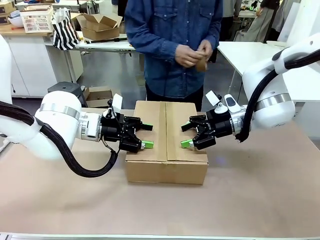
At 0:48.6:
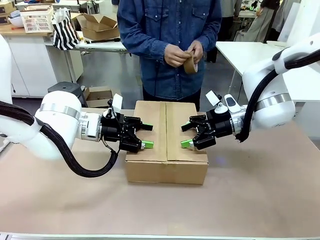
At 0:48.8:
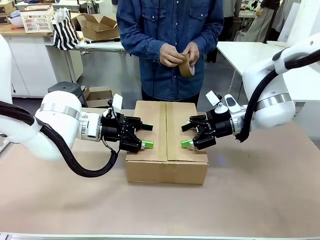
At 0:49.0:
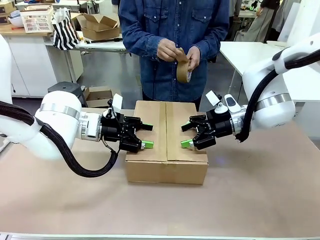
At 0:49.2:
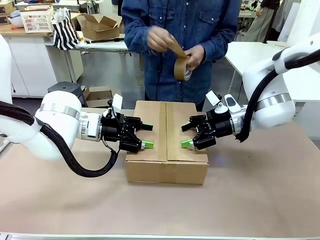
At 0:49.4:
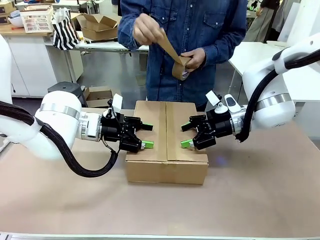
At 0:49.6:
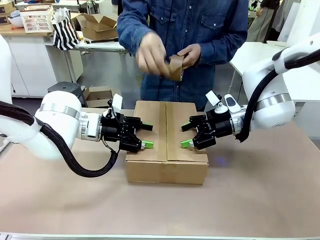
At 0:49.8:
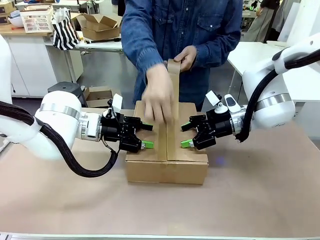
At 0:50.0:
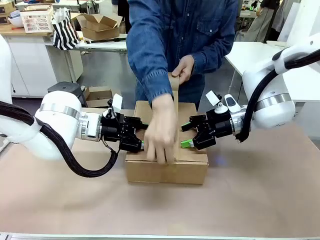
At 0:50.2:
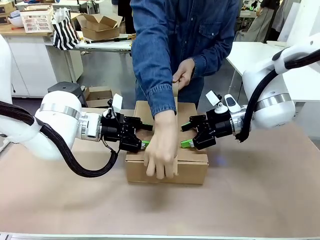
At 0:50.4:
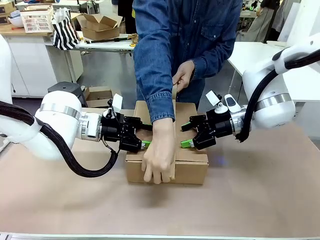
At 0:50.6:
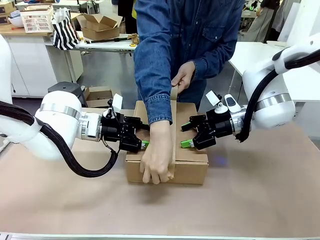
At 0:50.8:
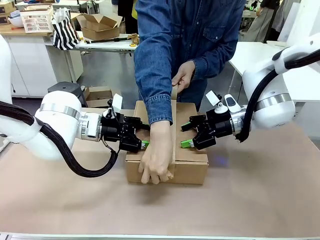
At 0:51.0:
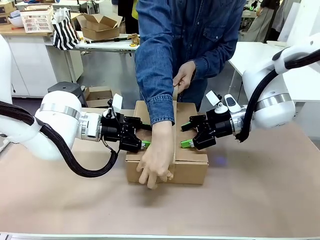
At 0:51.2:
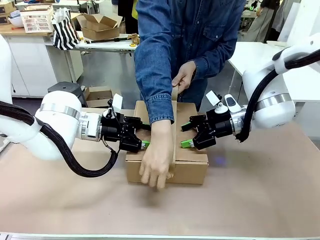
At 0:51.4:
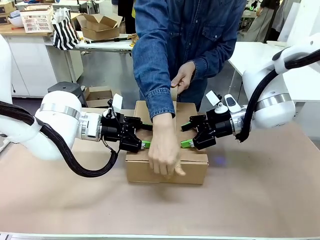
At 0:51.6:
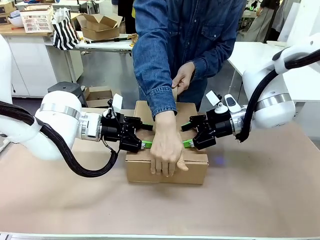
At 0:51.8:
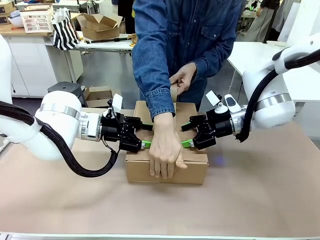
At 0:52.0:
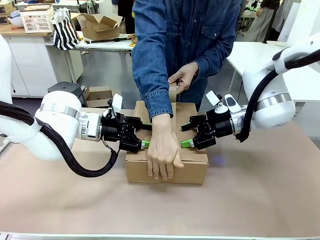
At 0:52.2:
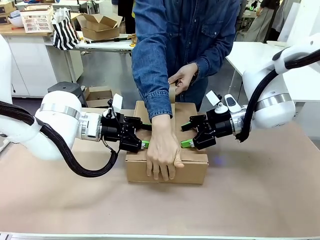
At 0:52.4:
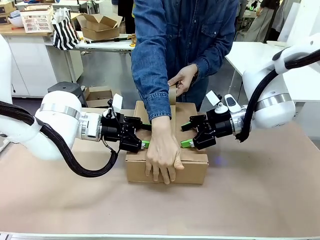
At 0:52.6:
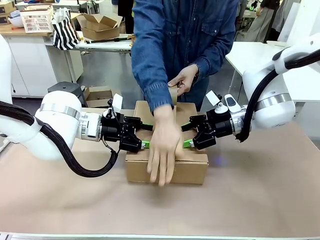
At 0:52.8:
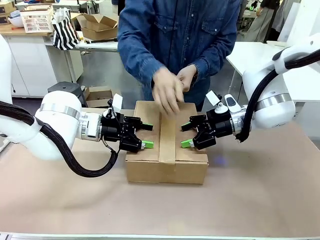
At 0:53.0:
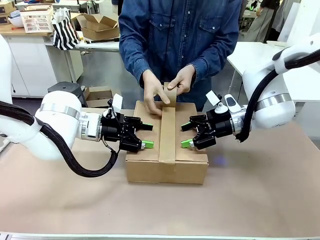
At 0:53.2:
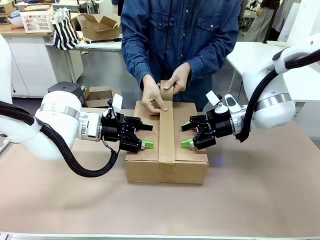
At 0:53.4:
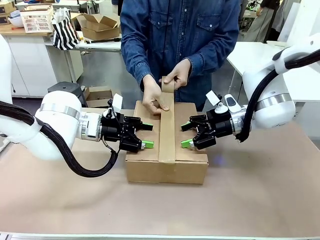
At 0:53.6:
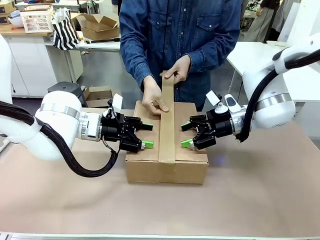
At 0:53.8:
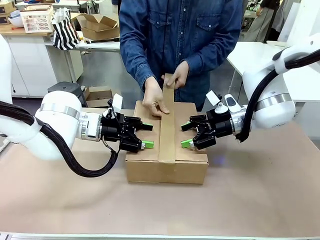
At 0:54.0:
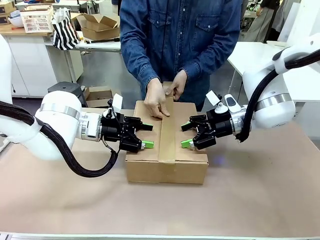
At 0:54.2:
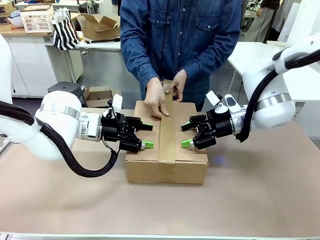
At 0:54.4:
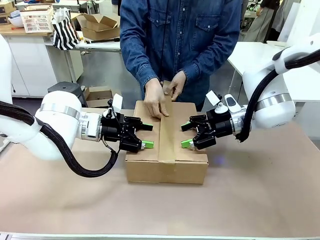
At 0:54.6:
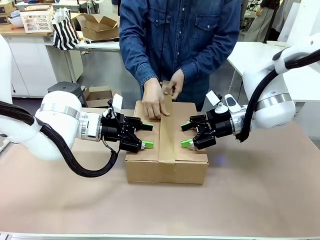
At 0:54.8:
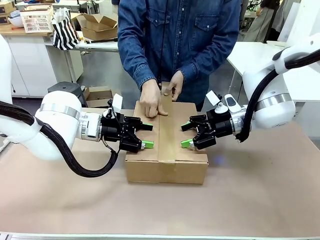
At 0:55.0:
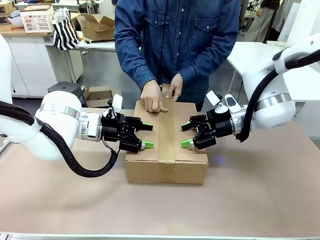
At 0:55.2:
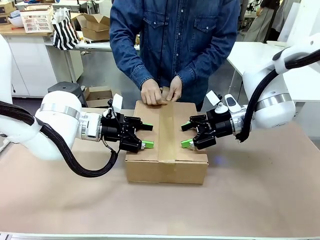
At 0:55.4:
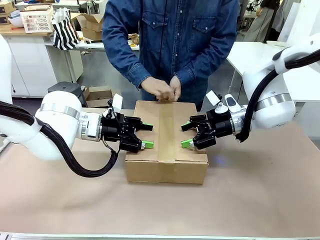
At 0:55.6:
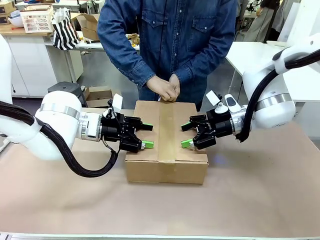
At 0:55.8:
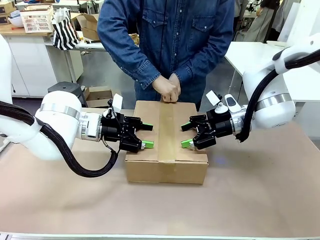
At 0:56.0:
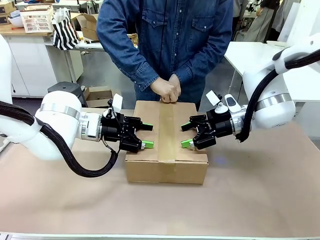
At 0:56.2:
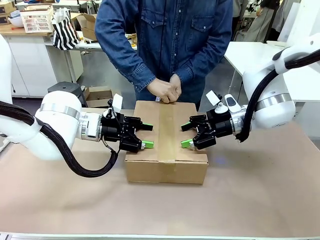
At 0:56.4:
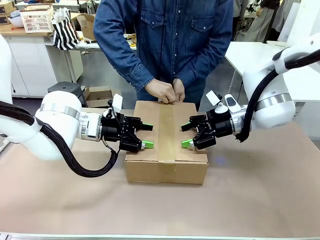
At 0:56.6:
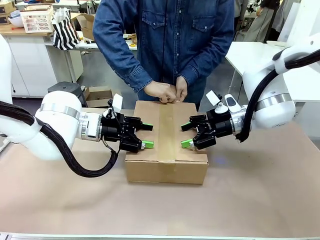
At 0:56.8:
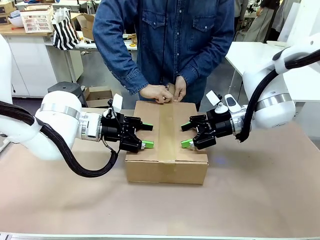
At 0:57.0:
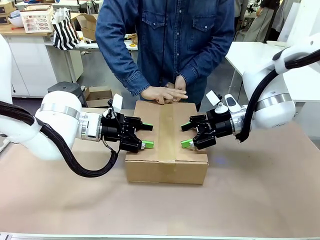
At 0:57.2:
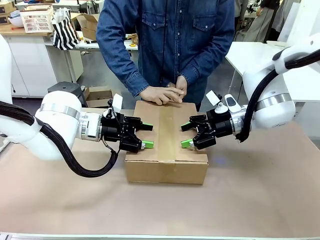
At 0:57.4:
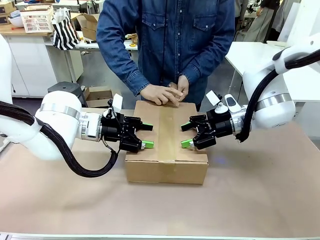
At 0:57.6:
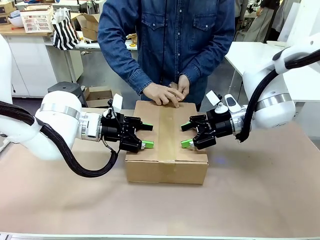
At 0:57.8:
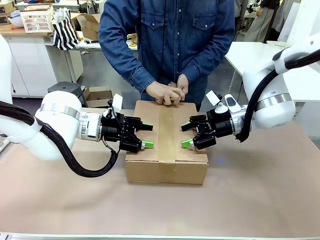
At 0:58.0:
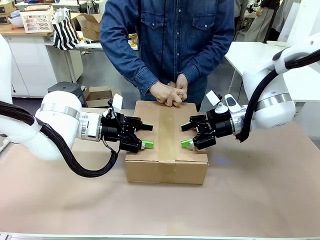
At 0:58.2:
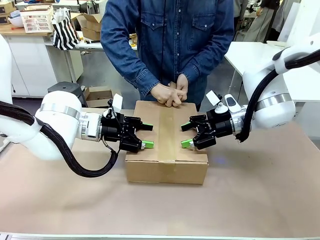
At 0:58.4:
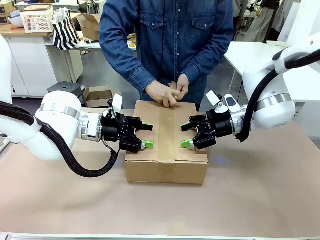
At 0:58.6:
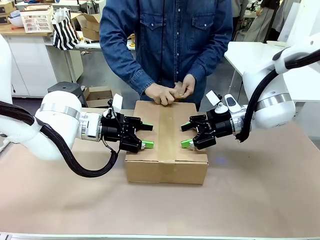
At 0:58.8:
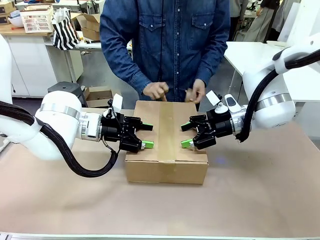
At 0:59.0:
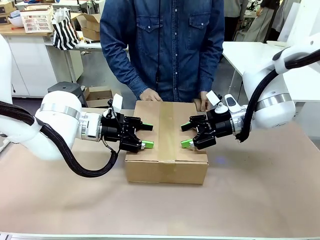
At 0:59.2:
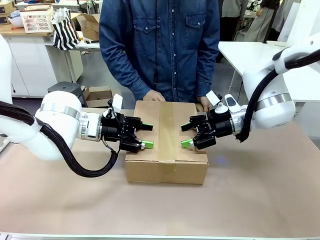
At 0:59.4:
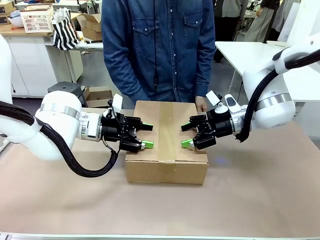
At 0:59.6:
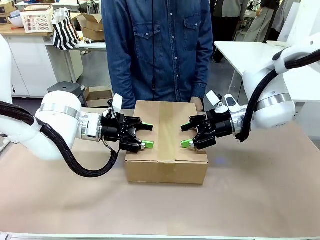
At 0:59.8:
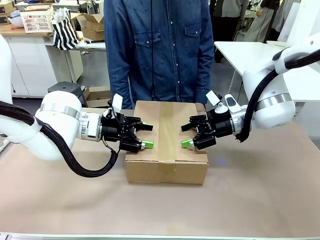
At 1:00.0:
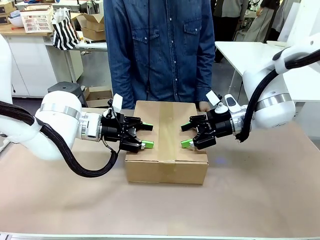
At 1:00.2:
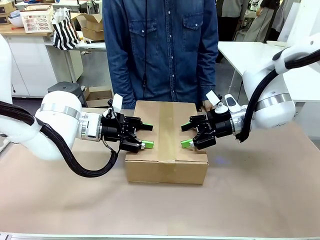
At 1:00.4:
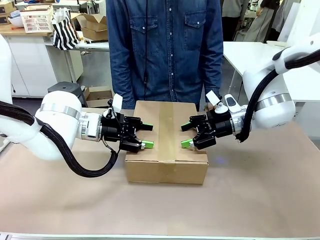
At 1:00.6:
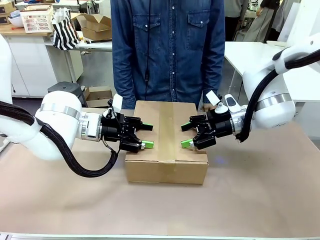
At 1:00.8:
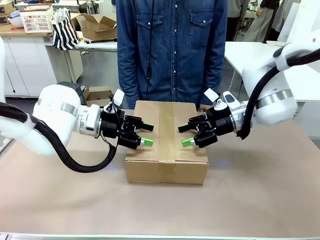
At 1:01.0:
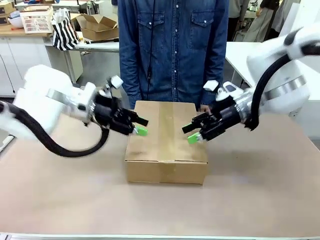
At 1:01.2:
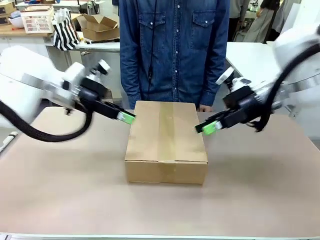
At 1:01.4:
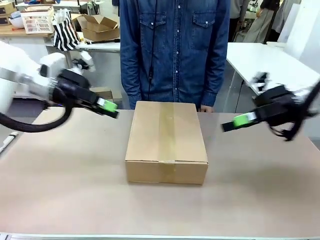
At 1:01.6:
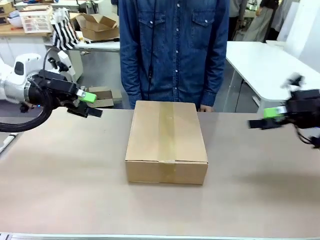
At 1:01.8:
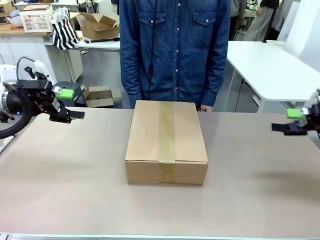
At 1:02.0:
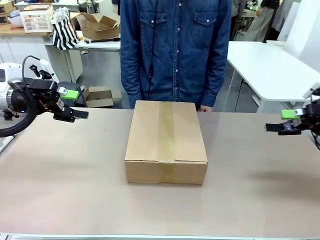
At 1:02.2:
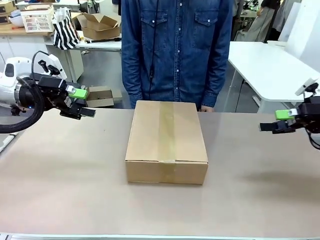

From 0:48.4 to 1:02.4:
Task: Pack the gift set into the box.
Robot: Press and hold the closed box until the human finishes sealing it.
Person: The human picks up the paper tape from the human table and packs the box.
